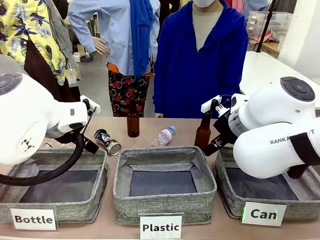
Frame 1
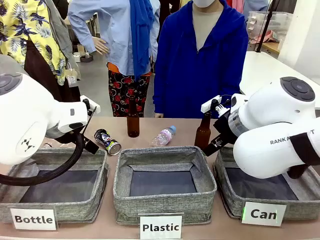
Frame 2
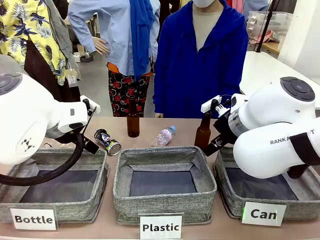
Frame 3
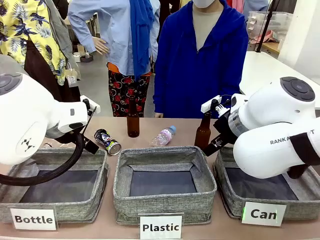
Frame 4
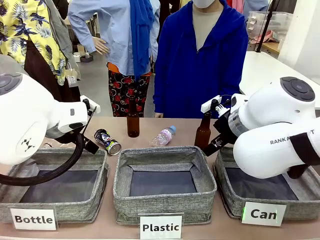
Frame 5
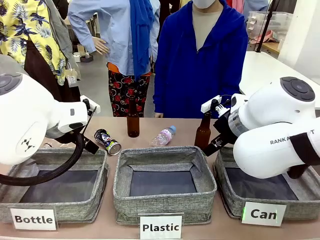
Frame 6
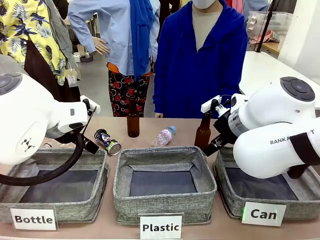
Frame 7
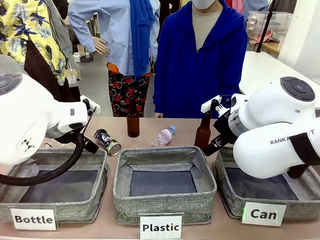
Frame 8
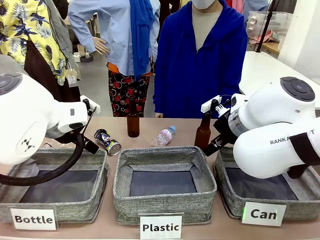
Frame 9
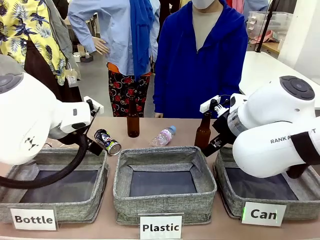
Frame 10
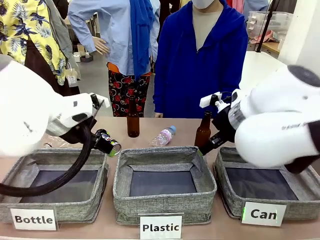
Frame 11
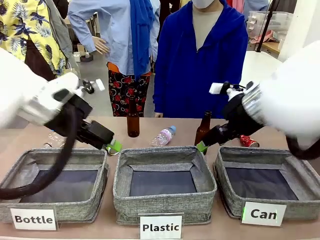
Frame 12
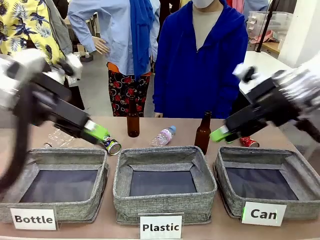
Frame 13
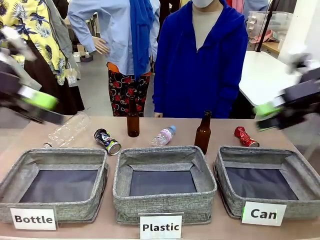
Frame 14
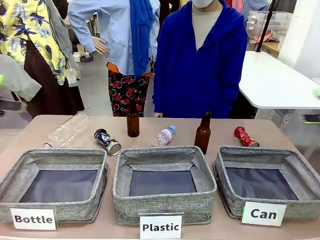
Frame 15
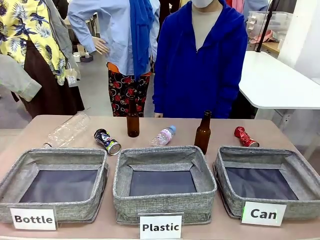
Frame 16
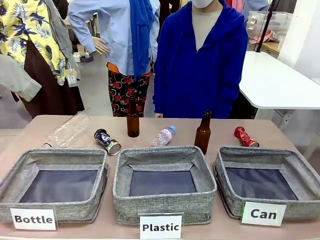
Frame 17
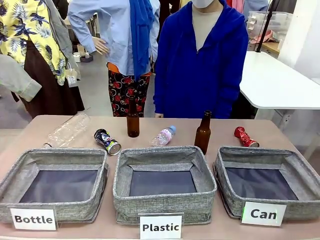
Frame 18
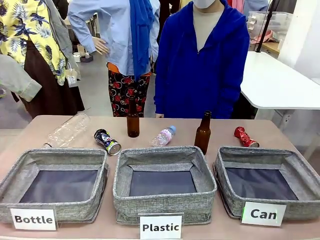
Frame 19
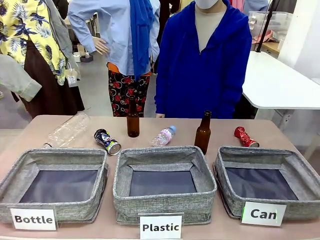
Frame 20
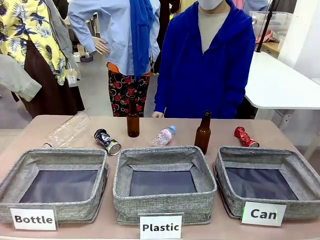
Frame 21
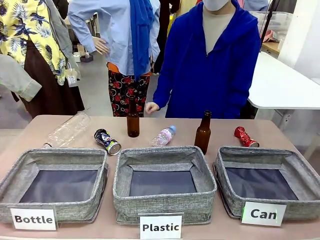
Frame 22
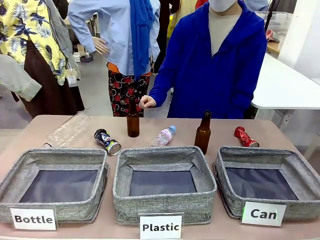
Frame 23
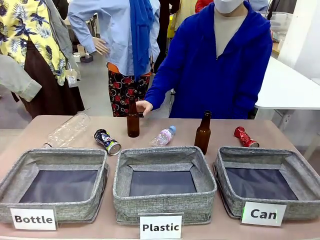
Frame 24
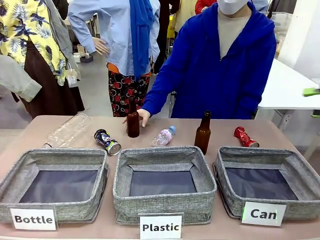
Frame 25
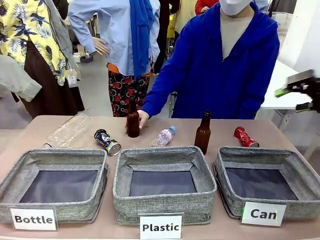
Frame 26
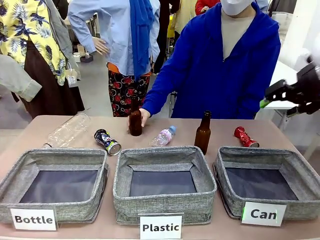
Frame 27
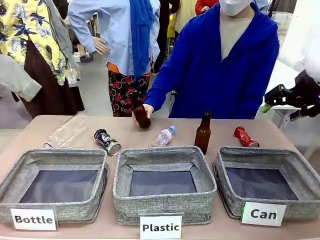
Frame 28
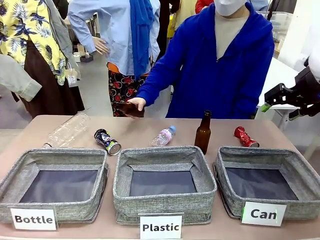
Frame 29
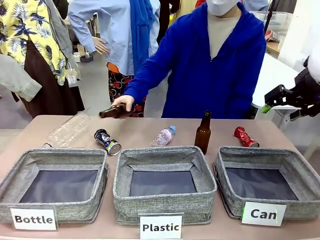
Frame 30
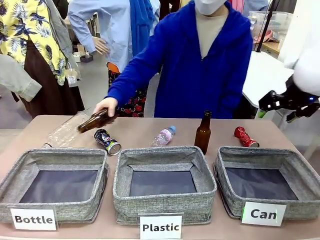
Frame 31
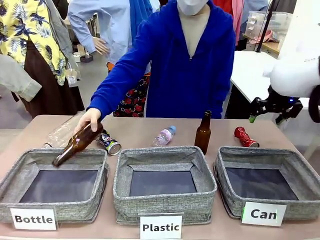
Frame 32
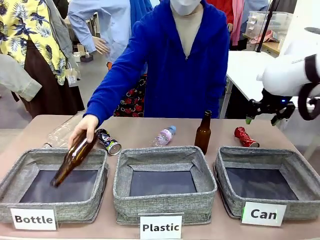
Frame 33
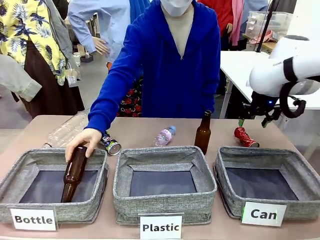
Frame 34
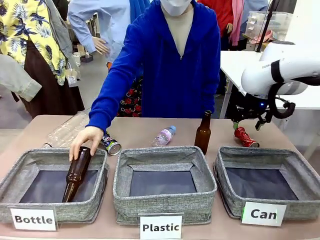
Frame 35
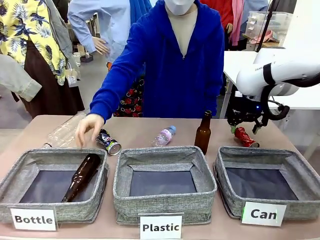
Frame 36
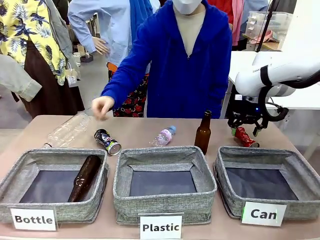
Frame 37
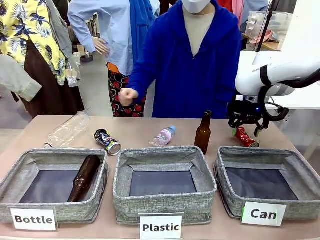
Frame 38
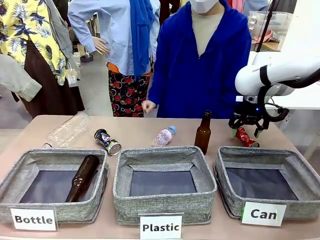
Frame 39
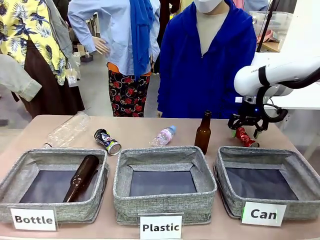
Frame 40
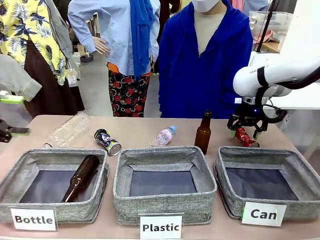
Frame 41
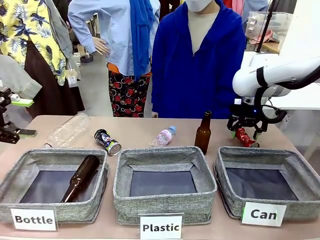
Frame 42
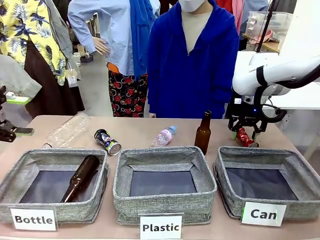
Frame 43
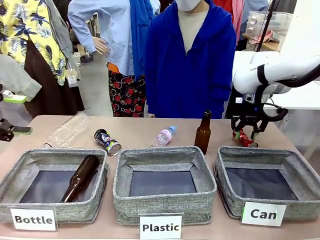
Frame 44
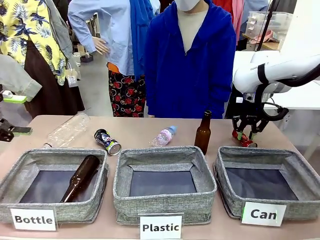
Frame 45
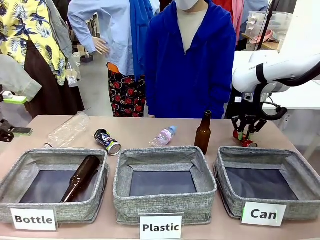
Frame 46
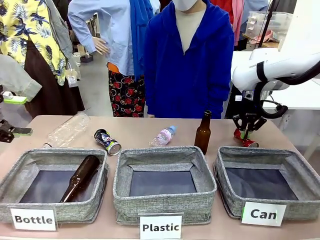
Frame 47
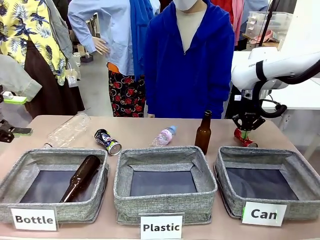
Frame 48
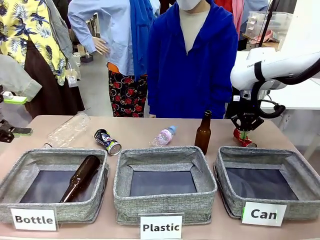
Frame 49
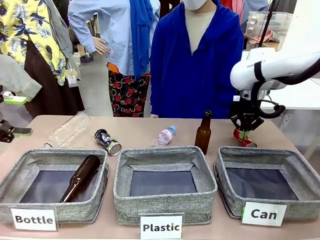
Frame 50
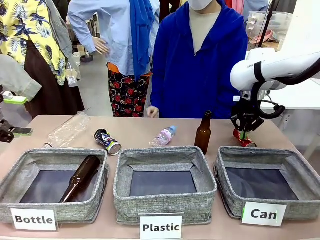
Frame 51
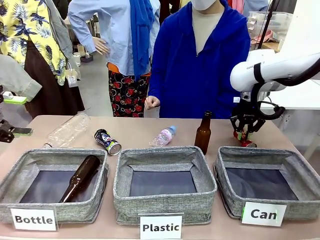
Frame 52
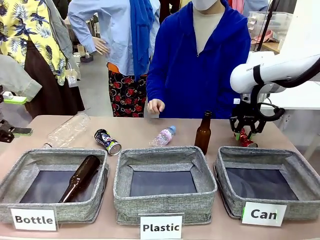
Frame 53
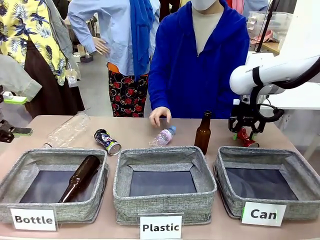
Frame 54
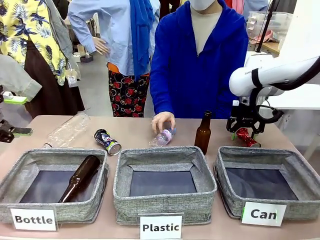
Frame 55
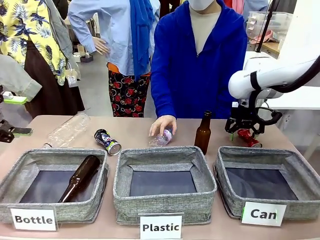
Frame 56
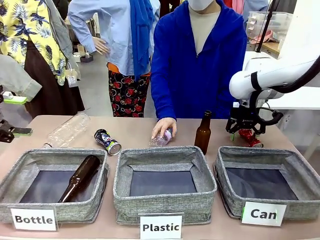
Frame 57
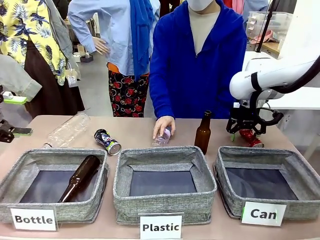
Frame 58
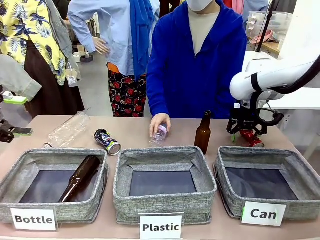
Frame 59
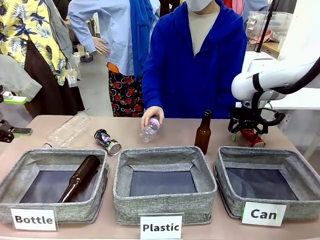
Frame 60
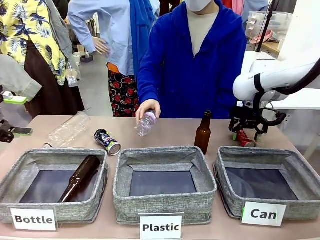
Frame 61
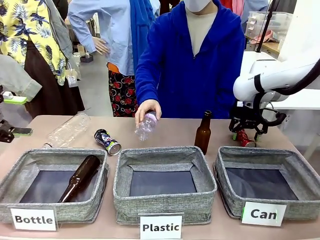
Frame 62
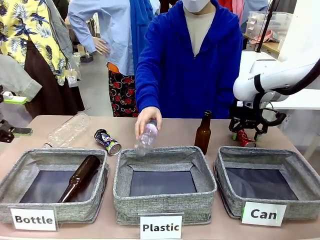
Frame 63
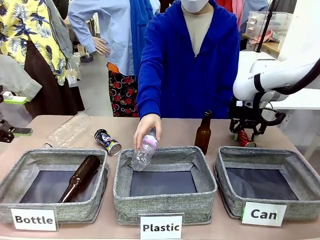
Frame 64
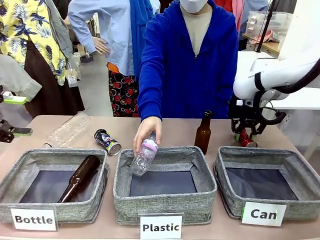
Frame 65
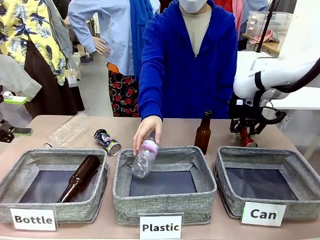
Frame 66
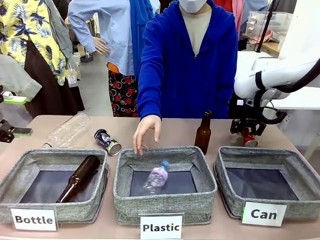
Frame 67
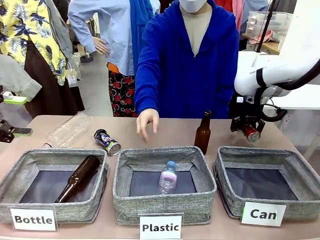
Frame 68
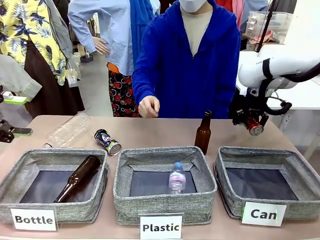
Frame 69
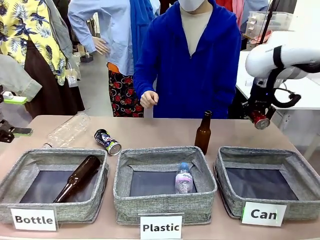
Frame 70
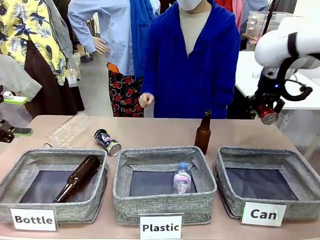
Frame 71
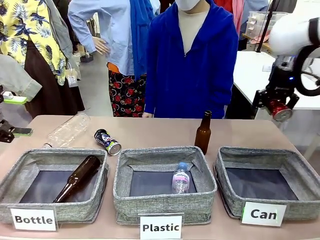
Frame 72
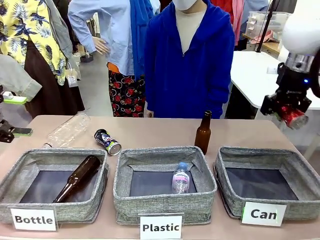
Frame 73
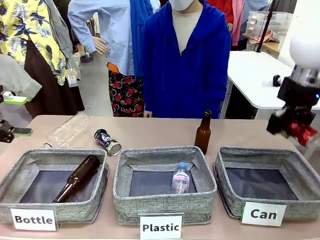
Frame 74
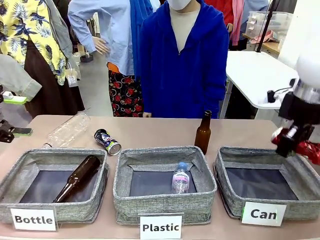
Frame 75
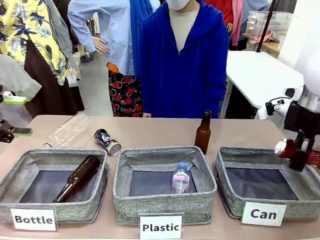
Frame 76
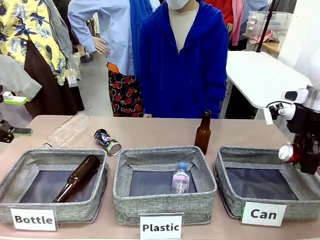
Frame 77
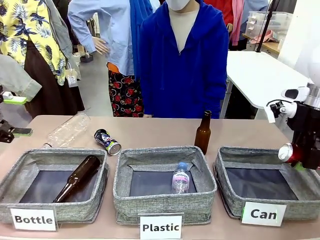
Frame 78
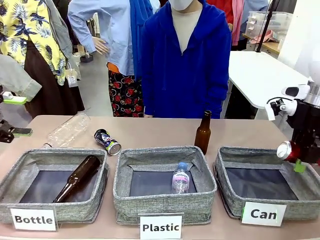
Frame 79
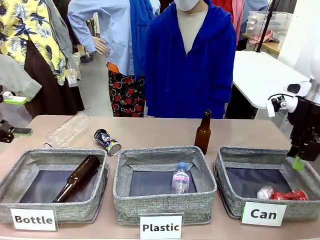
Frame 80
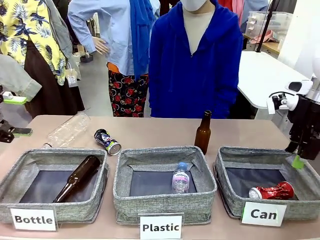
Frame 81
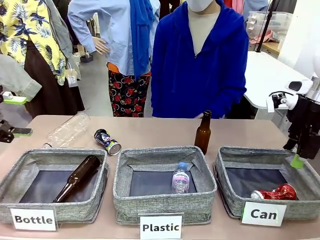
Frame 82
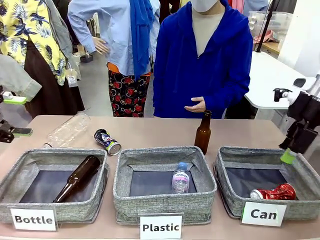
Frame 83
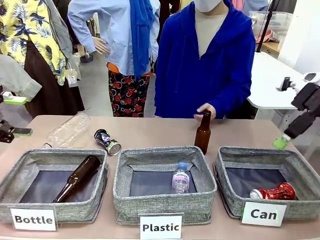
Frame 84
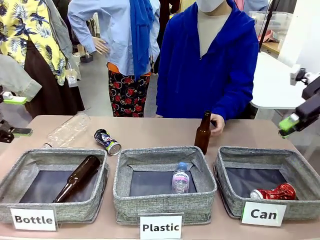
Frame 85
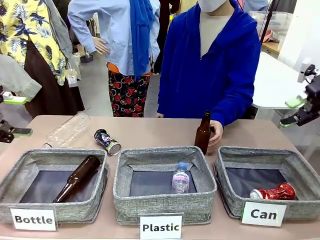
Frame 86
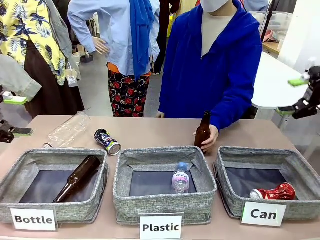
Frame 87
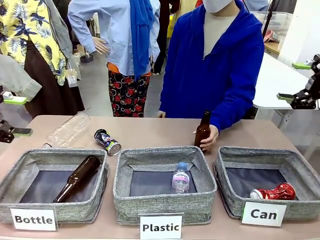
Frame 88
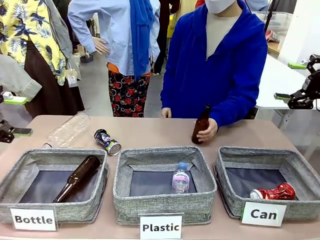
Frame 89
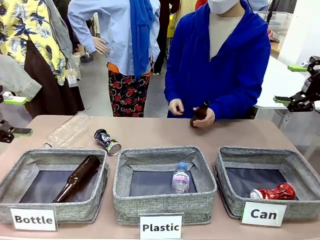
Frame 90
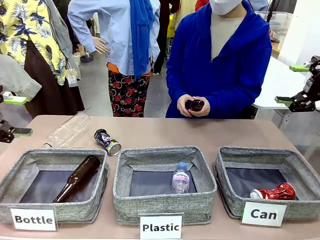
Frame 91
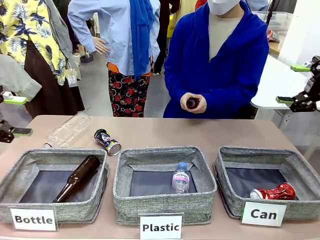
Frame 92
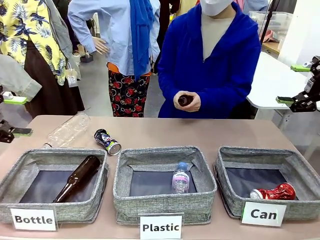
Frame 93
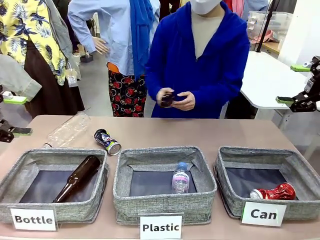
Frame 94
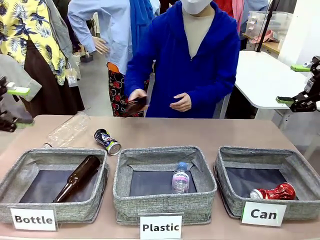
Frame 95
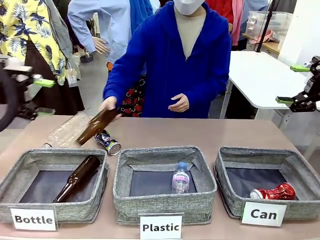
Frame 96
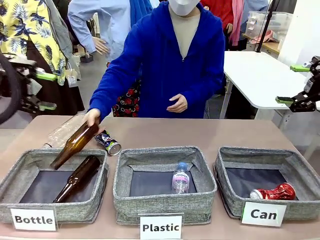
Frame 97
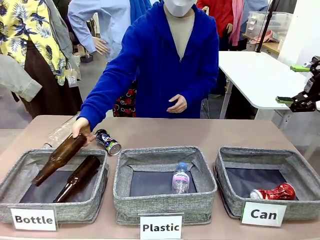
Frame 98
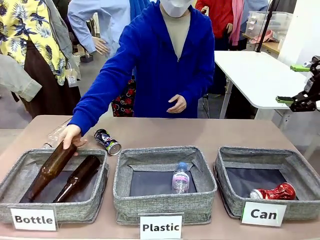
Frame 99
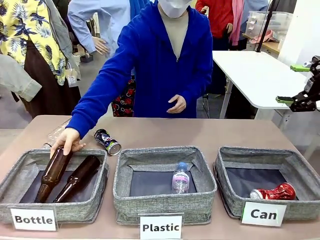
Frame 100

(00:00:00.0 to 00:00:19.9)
Task: Sort the can waste into the basket.
Robot: Pick up the can waste from the table and place it in the right Fabric basket.
